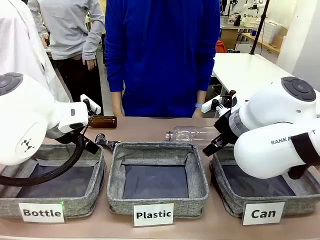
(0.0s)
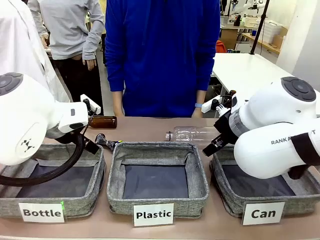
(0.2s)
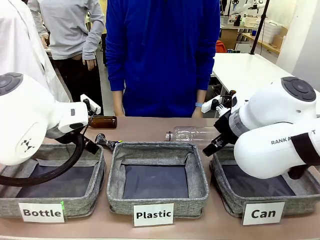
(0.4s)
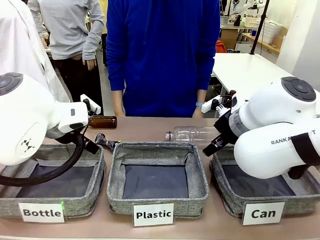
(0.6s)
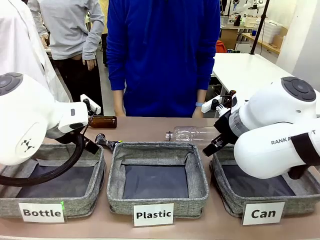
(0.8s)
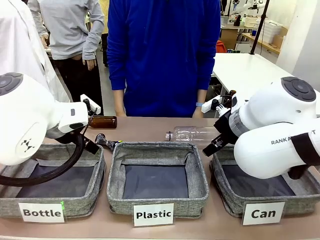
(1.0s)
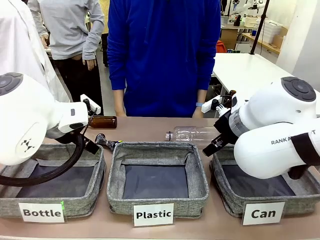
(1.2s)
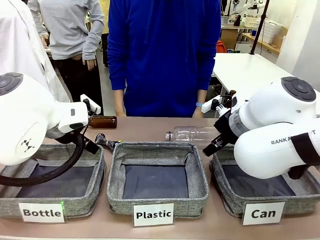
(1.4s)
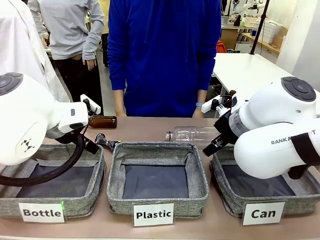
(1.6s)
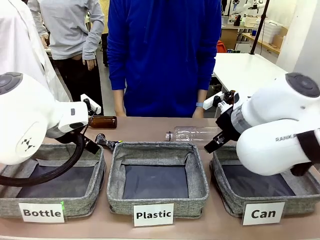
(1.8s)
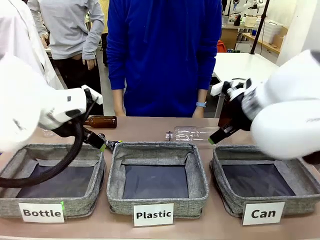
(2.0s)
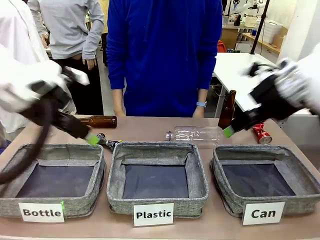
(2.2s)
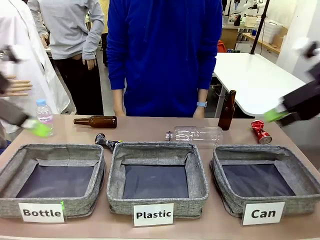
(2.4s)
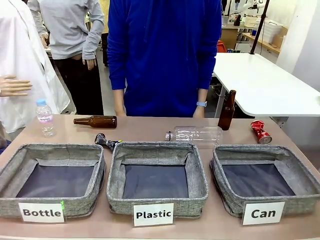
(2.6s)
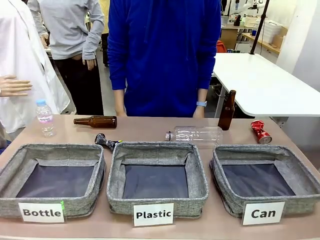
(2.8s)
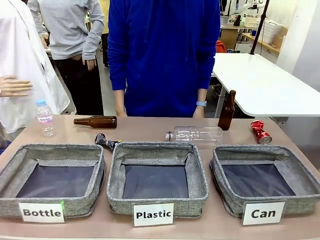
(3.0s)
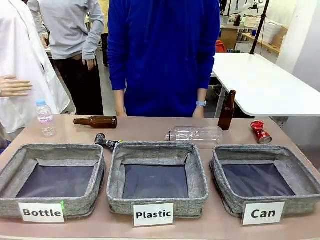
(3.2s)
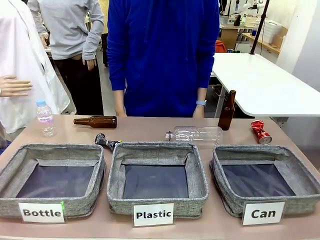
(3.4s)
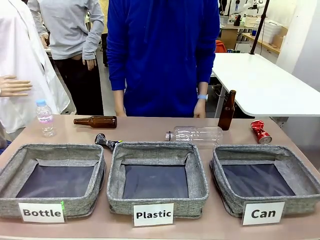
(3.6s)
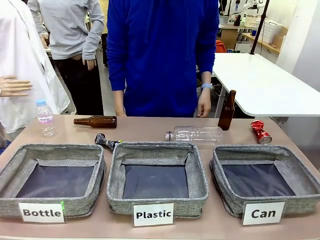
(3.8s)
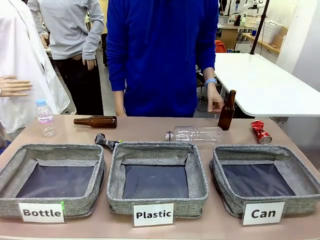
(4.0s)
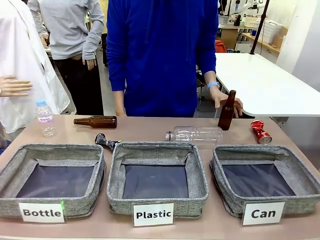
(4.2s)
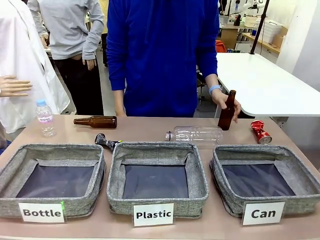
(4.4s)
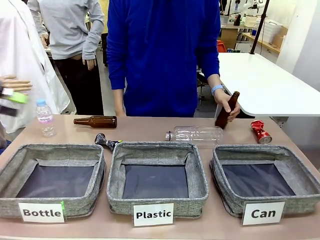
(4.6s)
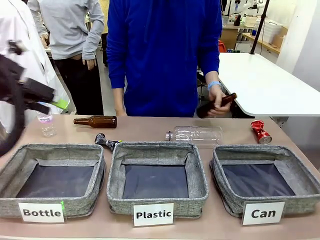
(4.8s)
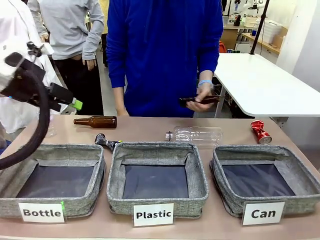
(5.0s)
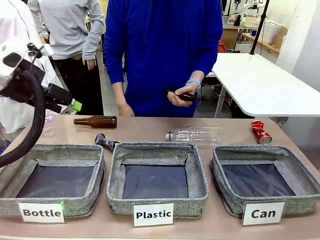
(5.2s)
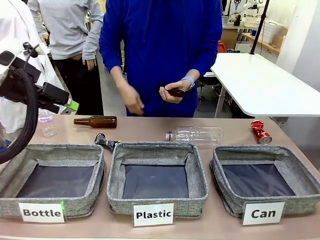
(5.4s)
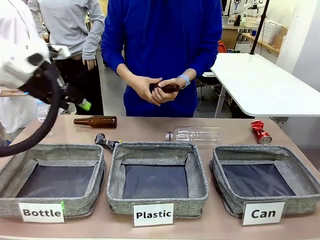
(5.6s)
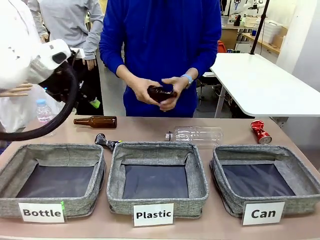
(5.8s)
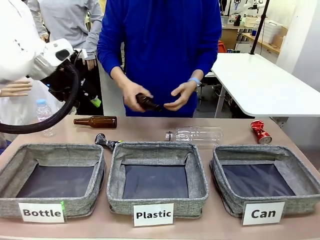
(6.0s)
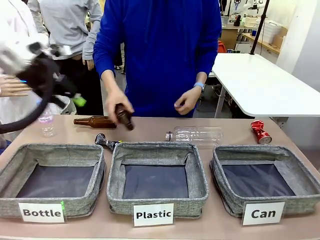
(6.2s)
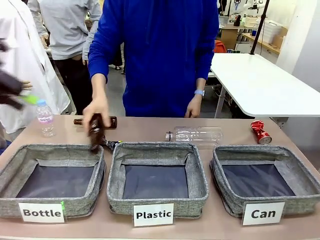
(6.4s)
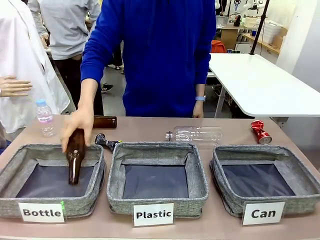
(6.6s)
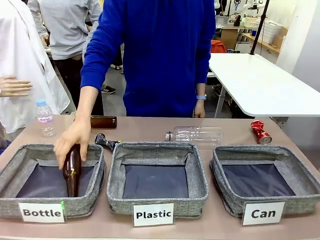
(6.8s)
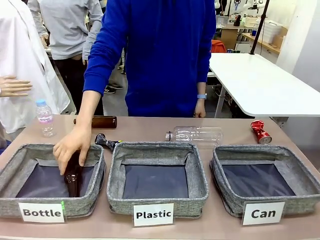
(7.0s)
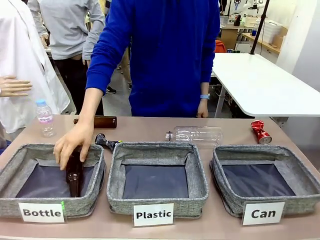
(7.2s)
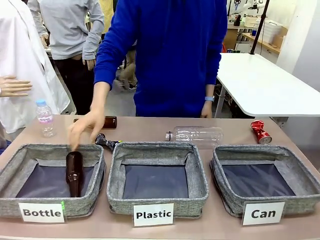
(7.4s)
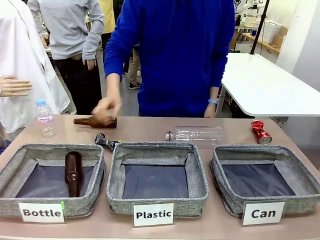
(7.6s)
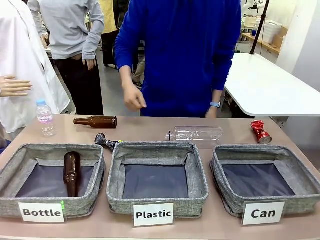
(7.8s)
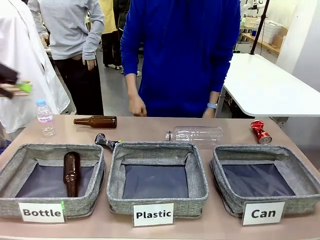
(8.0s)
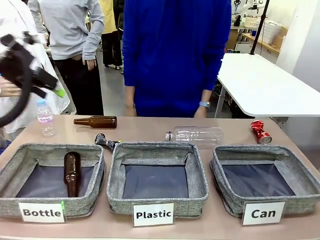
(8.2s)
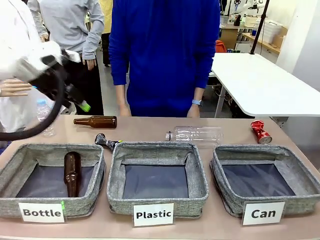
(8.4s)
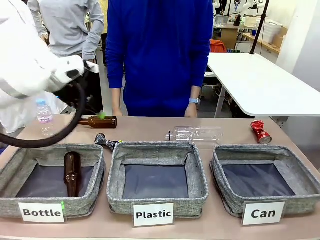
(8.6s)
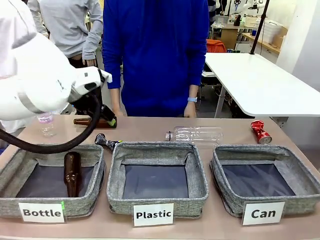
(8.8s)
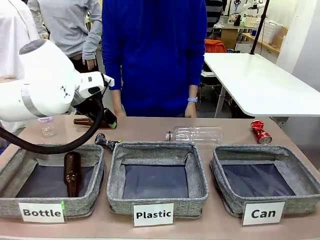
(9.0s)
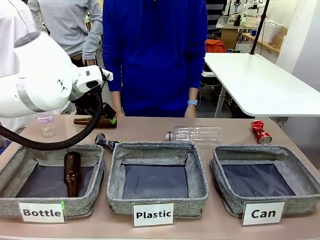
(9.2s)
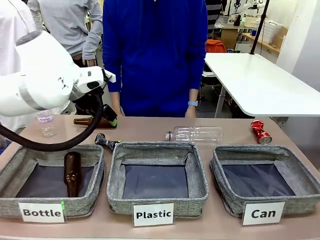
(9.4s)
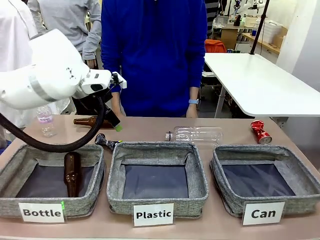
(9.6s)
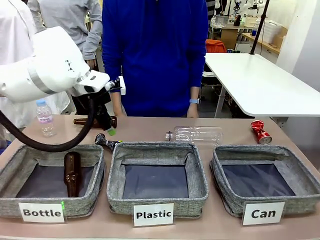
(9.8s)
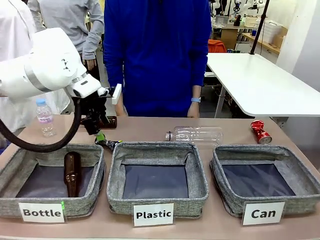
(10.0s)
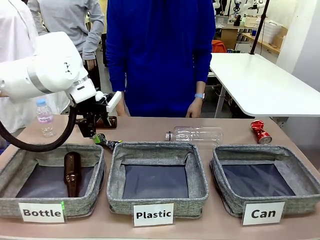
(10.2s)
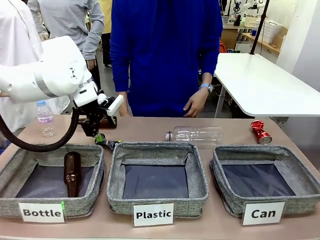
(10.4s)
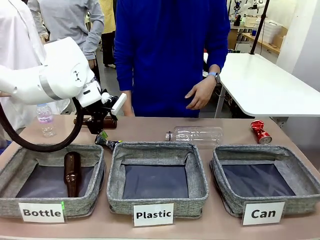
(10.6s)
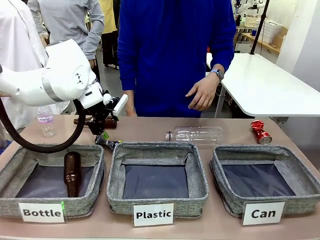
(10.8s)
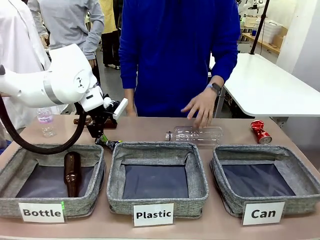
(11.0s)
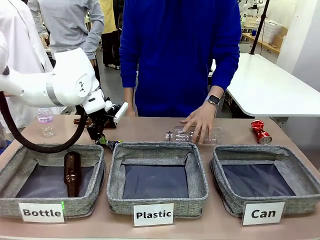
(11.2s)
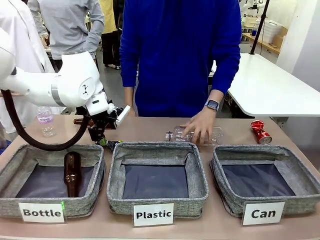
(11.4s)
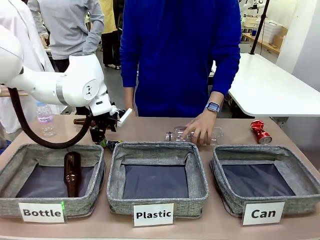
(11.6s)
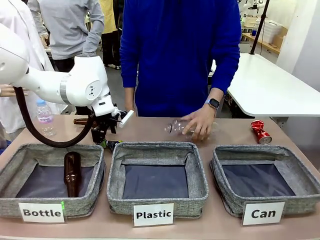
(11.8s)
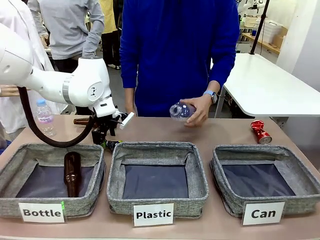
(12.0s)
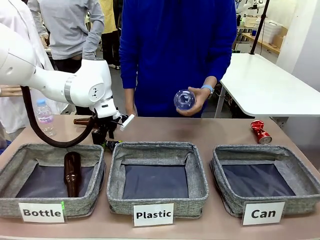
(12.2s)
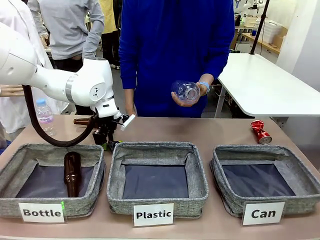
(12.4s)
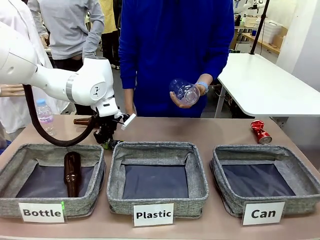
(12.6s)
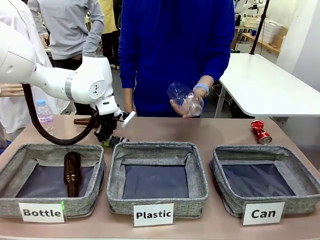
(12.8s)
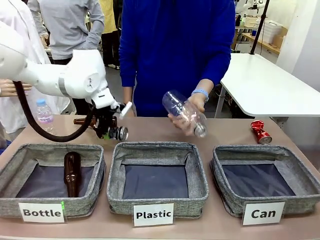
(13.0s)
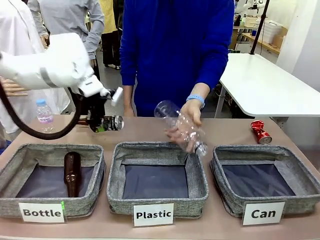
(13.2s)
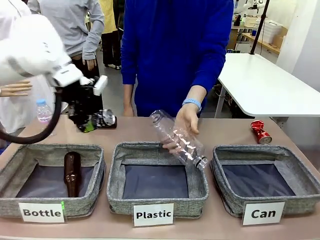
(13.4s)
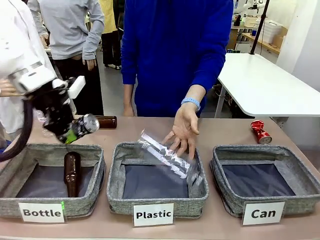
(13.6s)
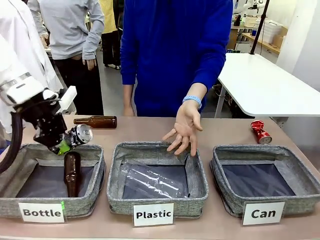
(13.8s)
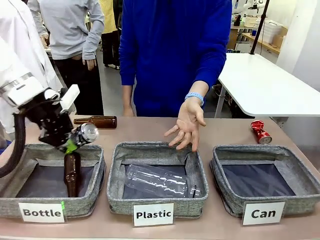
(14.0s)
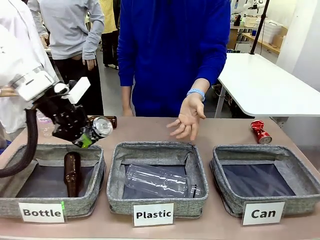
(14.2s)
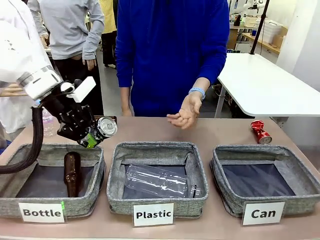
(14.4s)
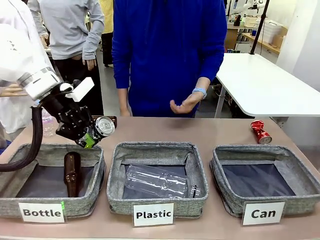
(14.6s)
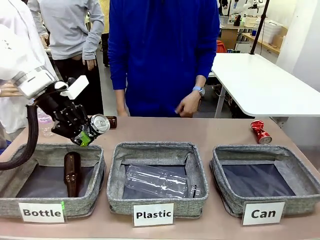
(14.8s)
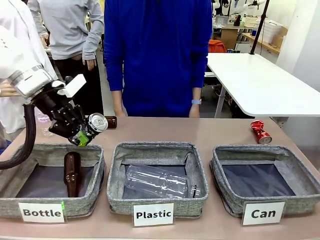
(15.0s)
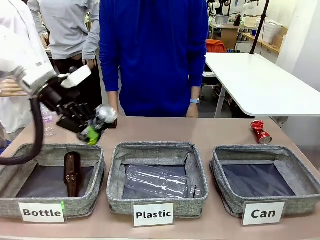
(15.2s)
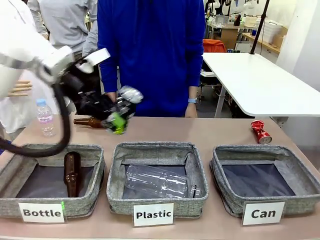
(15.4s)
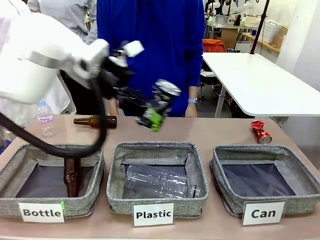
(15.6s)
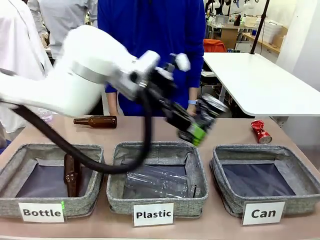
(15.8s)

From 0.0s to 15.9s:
Task: Sort the can waste into the basket.
Robot: Pick up the can waste from the table and place it in the right Fabric basket.
